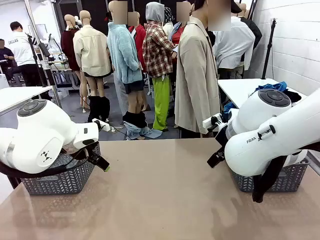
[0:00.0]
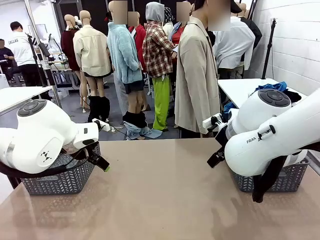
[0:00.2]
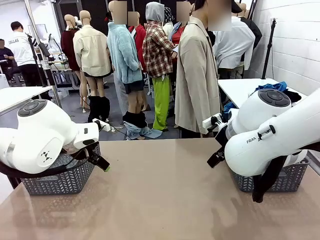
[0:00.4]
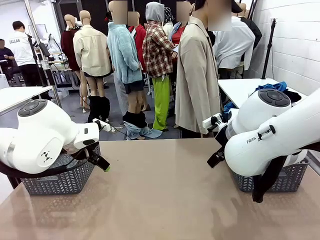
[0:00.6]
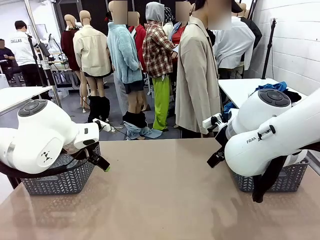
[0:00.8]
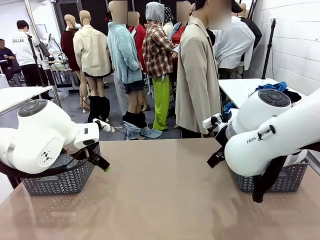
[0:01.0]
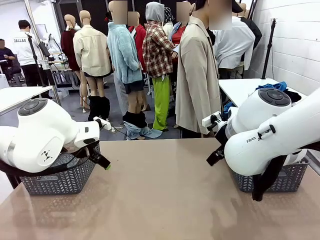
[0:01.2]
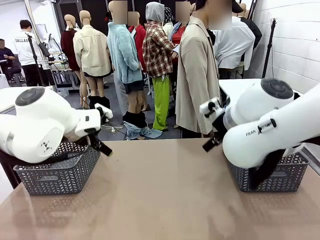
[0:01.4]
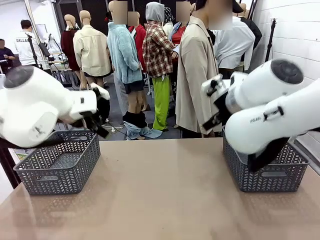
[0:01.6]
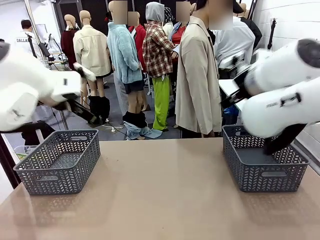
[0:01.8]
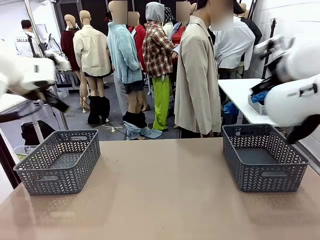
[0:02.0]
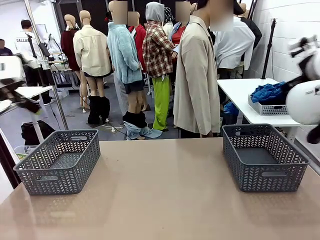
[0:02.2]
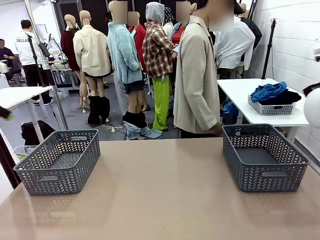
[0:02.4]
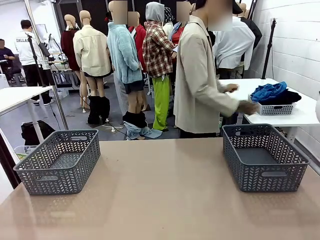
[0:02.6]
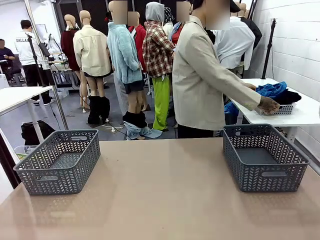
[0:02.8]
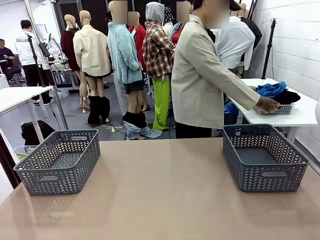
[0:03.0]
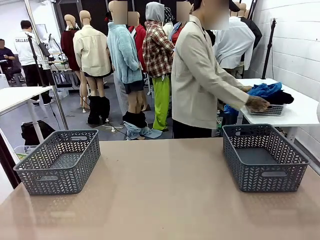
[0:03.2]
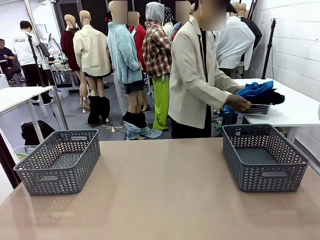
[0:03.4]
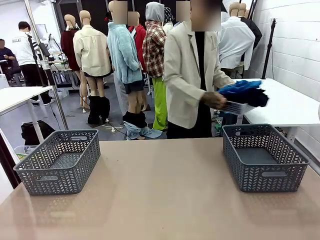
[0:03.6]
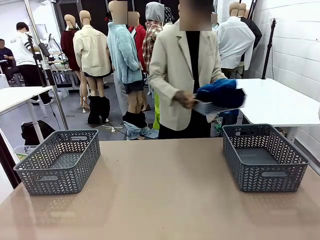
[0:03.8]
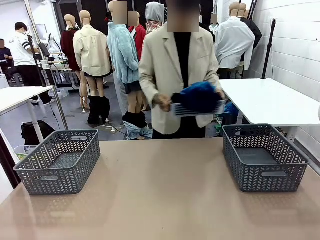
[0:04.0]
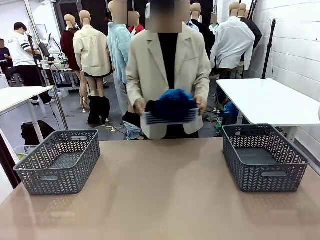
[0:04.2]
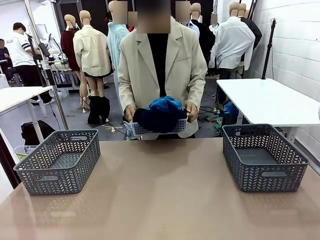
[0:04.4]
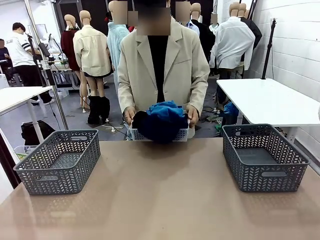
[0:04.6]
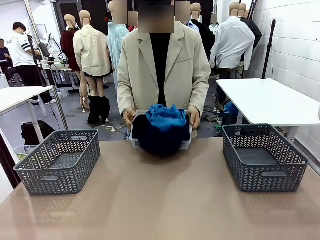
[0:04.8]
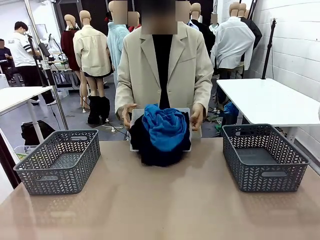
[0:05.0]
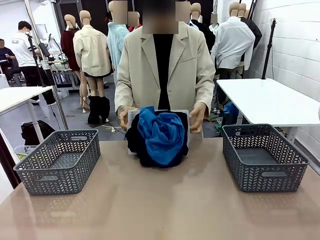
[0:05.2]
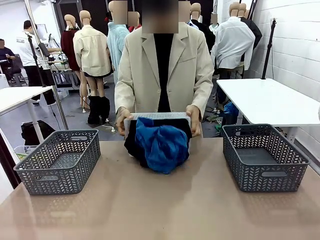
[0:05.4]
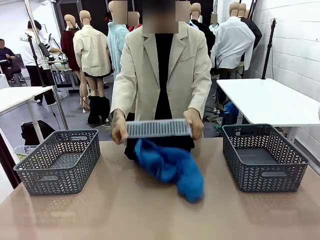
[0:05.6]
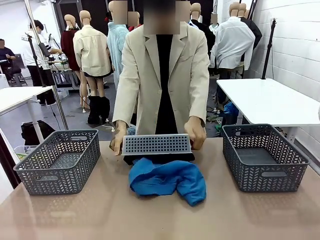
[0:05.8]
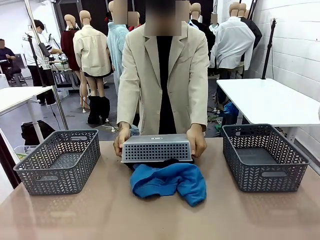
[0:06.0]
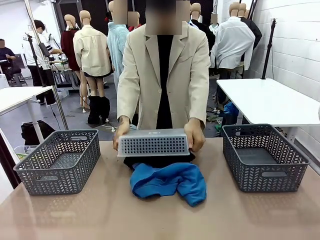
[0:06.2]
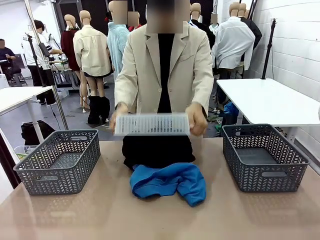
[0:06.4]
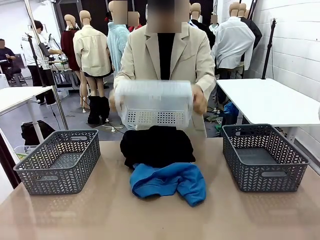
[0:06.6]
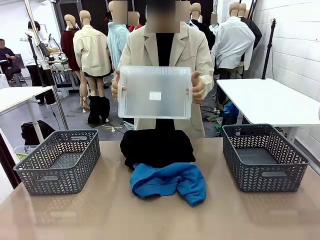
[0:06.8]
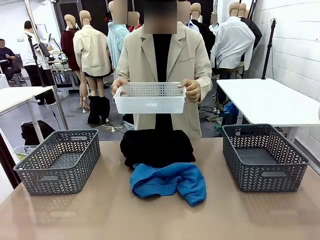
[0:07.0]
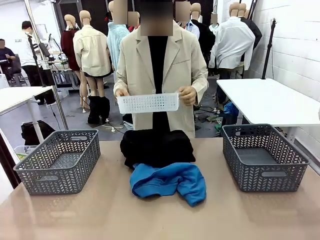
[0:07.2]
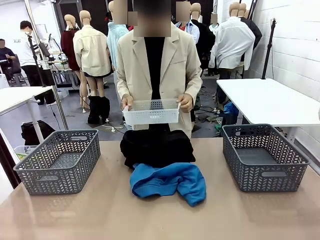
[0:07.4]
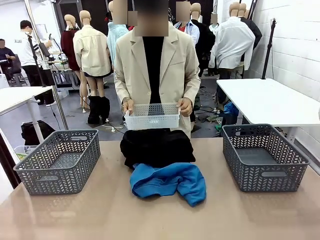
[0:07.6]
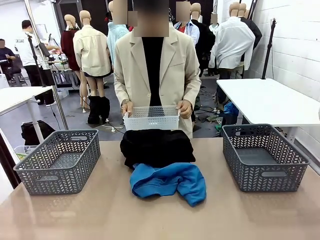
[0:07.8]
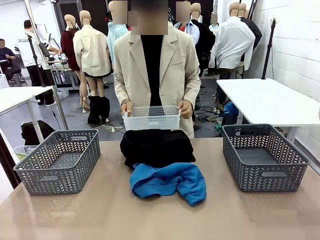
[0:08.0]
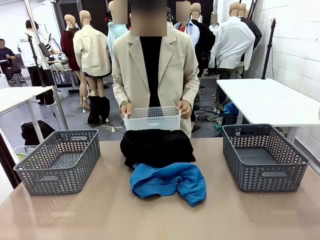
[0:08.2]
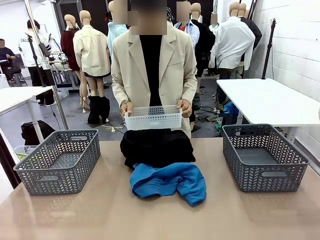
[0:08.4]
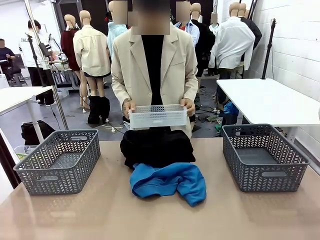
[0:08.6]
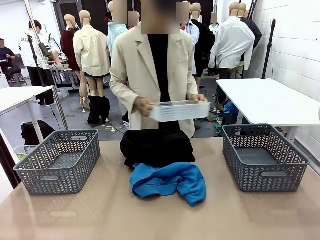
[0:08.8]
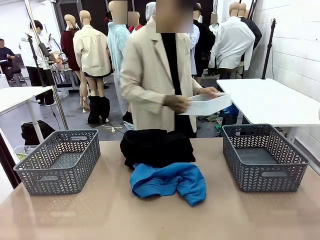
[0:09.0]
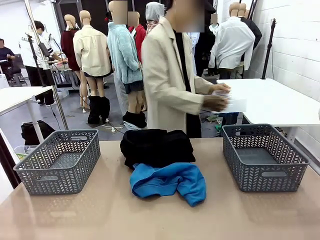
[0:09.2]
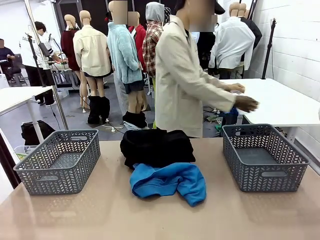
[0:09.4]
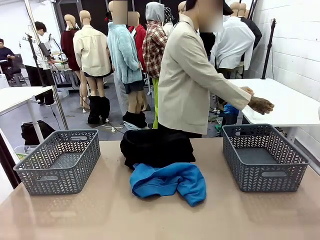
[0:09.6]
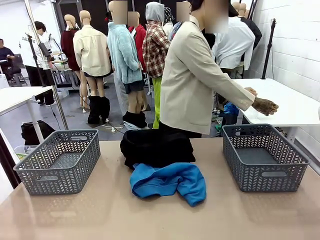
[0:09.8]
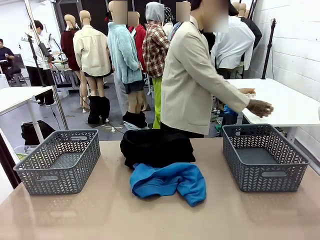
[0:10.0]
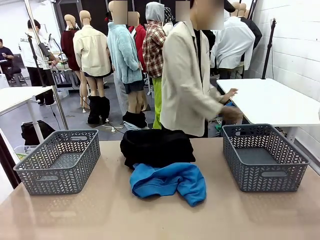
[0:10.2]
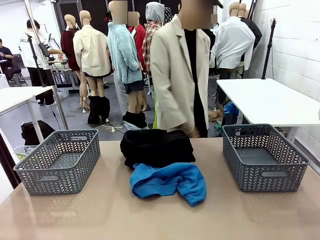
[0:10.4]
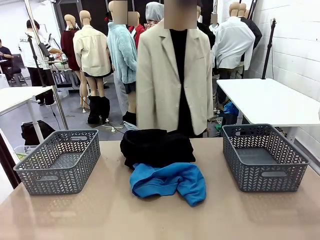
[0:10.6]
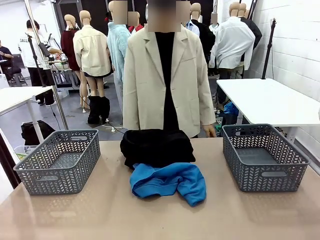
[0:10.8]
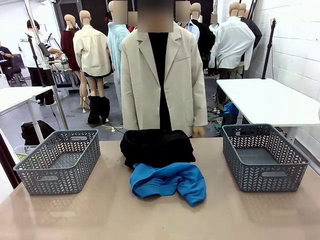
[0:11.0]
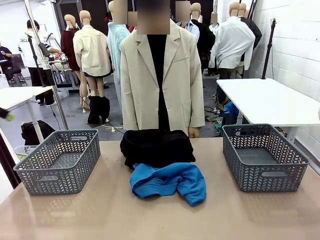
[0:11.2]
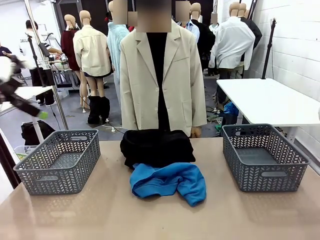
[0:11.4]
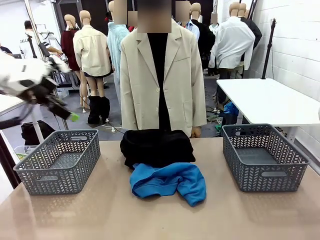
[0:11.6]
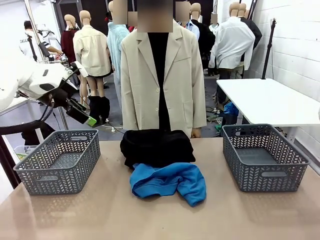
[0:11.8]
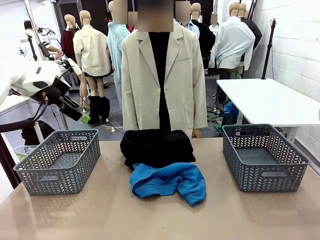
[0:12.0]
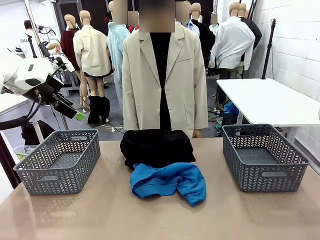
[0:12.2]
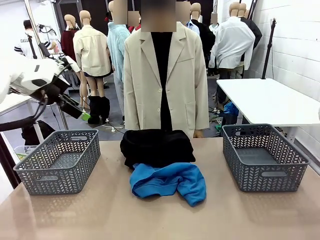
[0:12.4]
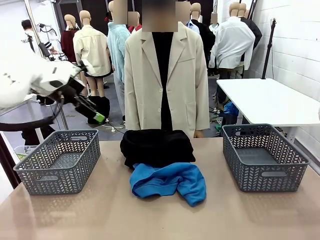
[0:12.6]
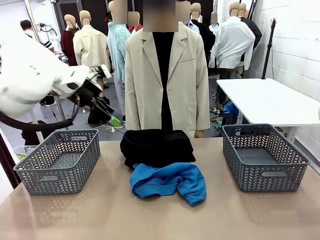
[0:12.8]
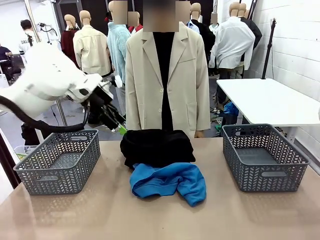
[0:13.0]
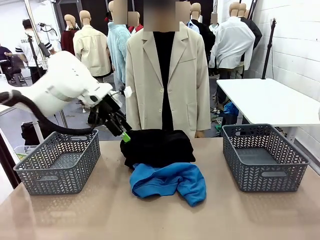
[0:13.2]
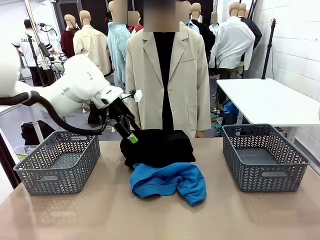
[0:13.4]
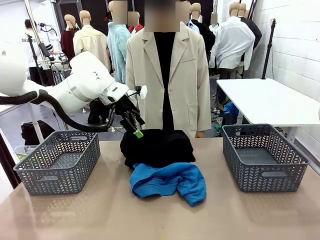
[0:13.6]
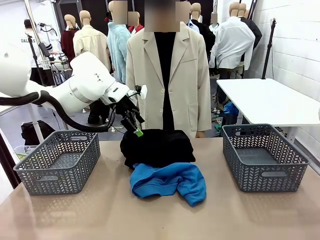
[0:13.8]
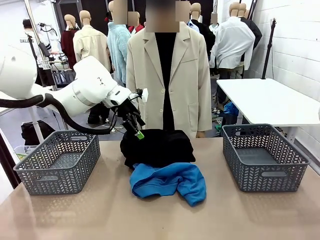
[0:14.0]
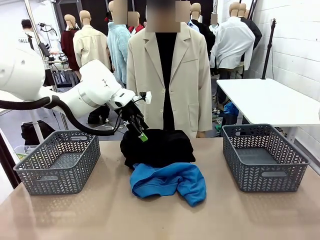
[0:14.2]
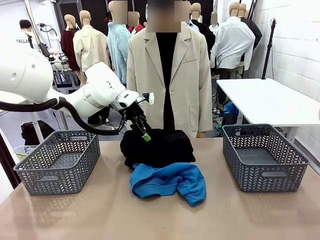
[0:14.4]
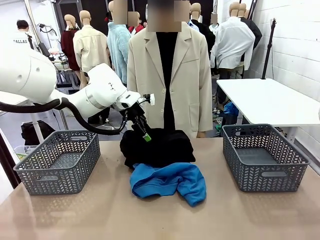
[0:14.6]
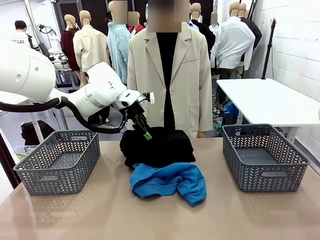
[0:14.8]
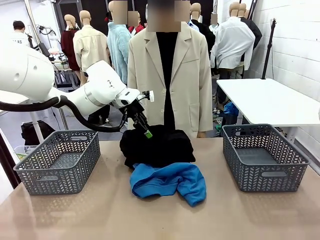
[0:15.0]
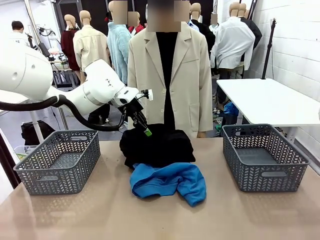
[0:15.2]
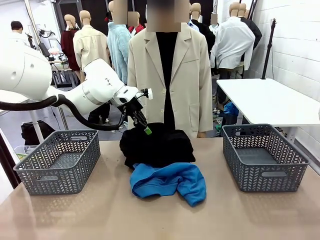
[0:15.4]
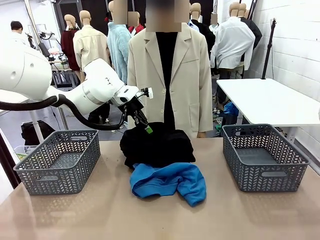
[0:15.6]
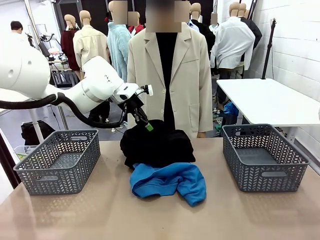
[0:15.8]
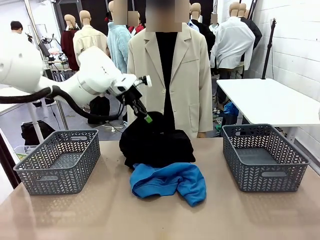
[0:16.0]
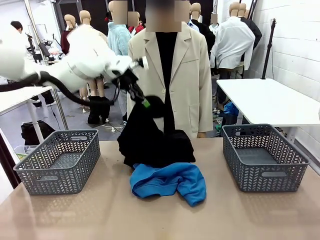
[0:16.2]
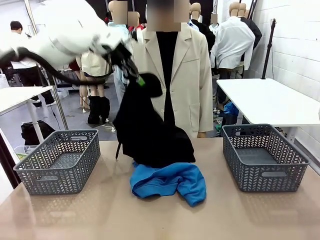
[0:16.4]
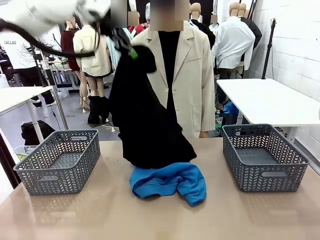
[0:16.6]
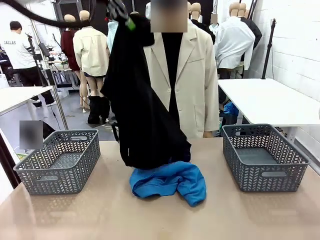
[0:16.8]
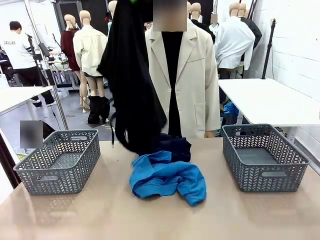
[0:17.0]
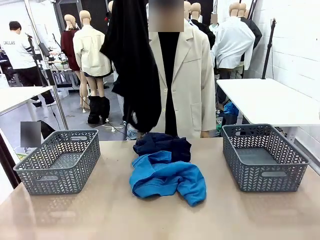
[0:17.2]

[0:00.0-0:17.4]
Task: Sort the tops and bottoms.
Robot: Lift clothes from the center of the table with your left hand.
Person: Pour the clothes from the basket onto the center of the robot table.

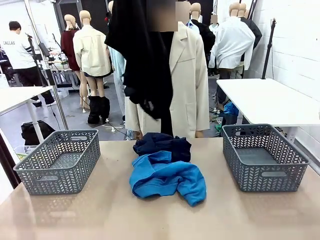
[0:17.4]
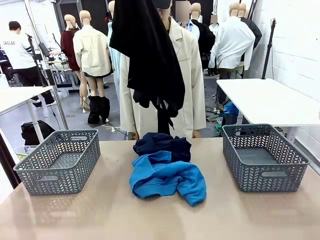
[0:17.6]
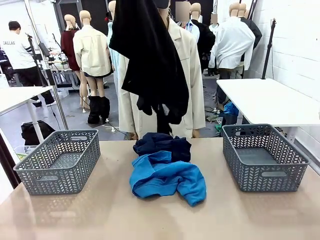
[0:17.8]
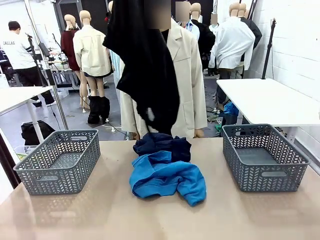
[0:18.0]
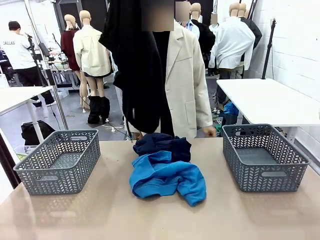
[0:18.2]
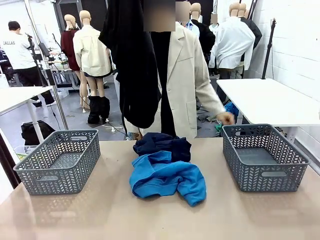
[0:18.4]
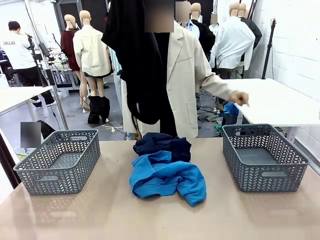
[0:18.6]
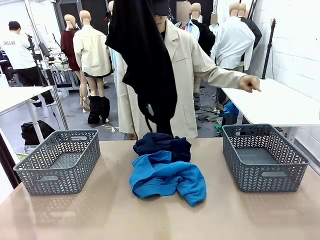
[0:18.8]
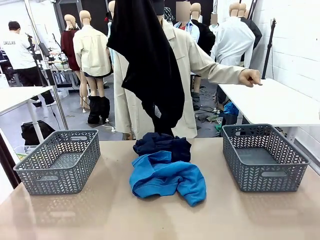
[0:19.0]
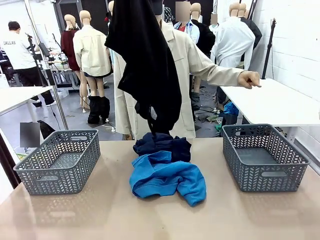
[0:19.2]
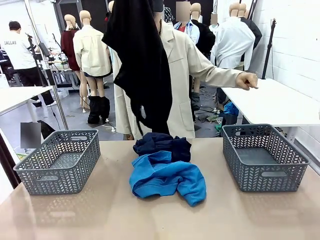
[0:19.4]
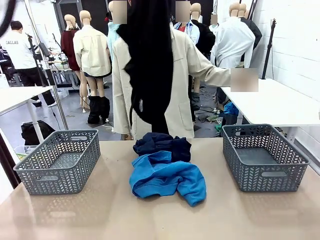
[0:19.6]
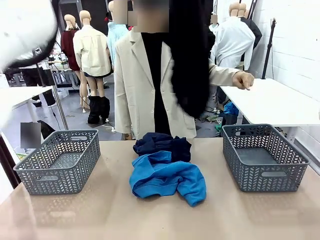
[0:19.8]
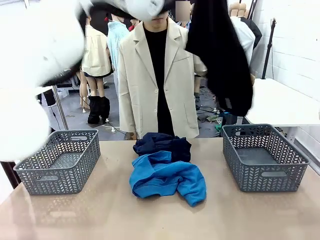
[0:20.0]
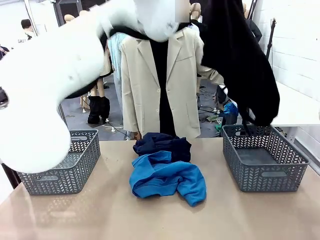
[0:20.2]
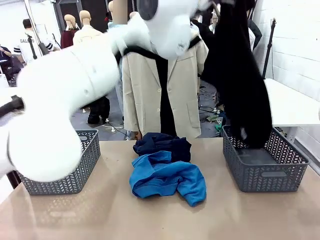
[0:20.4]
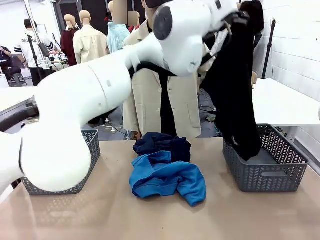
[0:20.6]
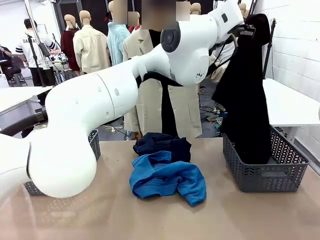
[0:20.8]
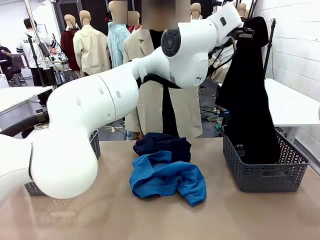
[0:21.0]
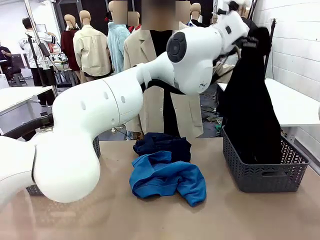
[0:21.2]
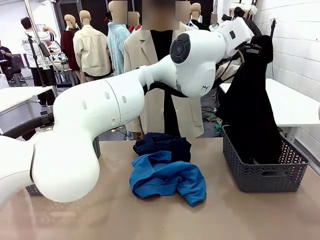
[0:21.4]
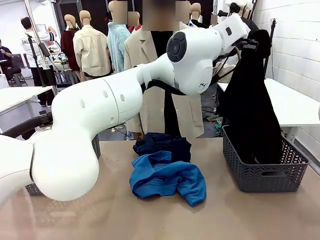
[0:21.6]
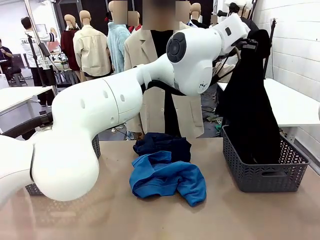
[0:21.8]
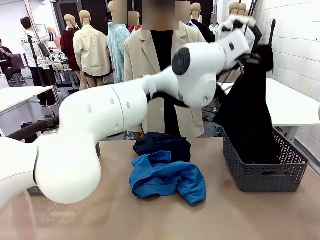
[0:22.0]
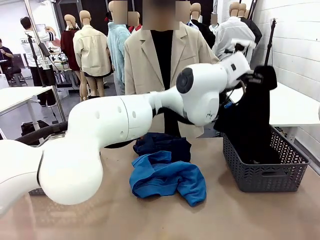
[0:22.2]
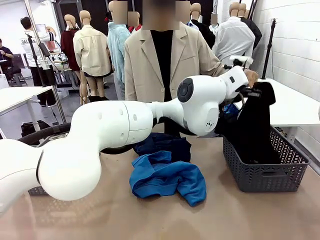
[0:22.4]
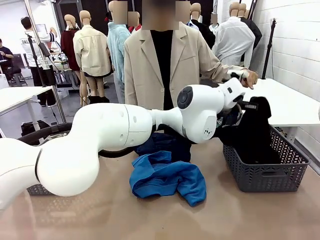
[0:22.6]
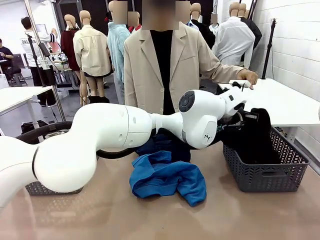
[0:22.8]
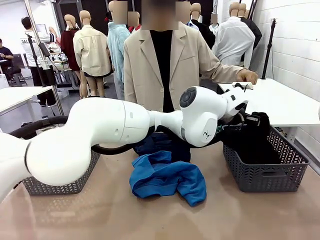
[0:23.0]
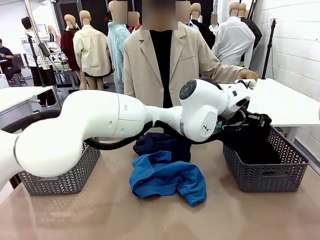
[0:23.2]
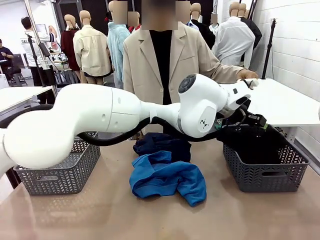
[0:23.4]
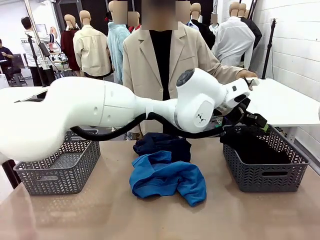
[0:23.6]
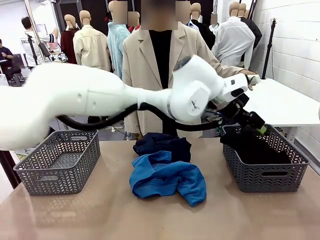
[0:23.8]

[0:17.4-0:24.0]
Robot: Sort the clothes according to human instructions.
